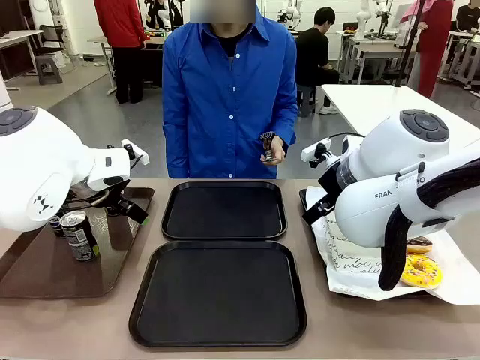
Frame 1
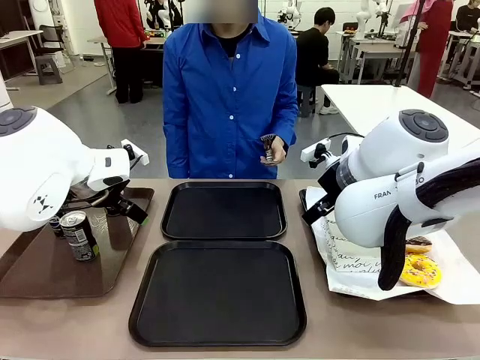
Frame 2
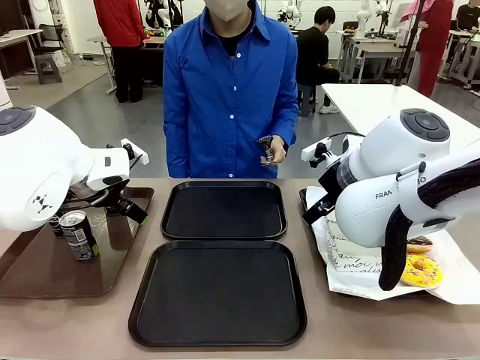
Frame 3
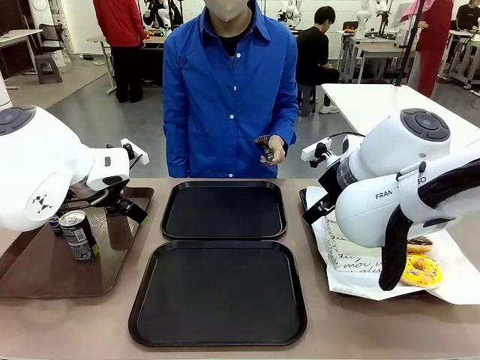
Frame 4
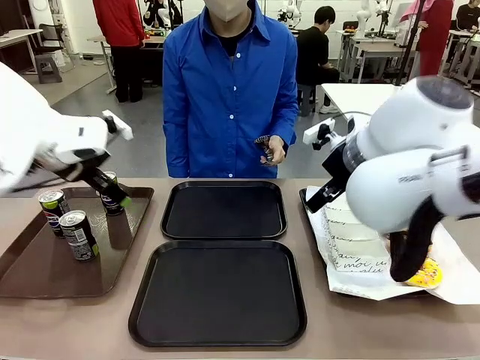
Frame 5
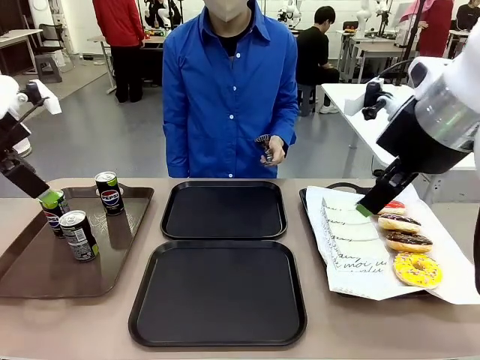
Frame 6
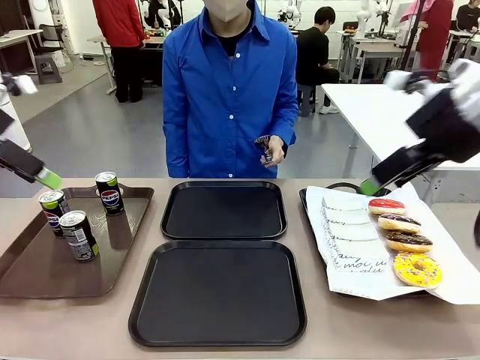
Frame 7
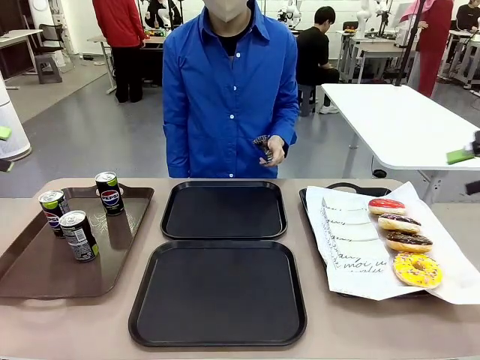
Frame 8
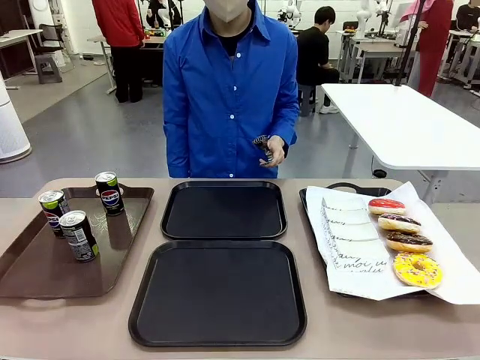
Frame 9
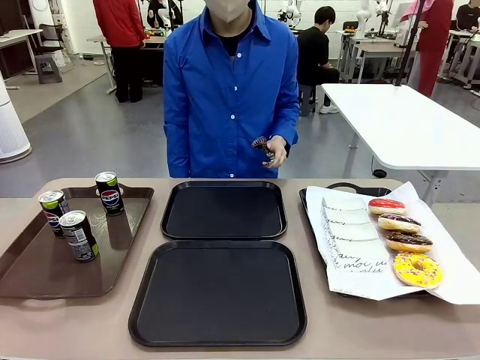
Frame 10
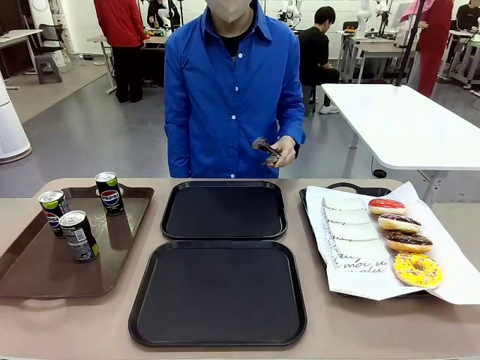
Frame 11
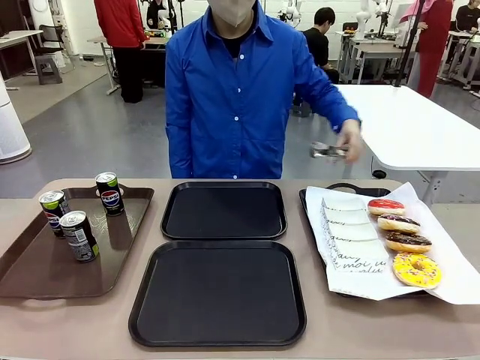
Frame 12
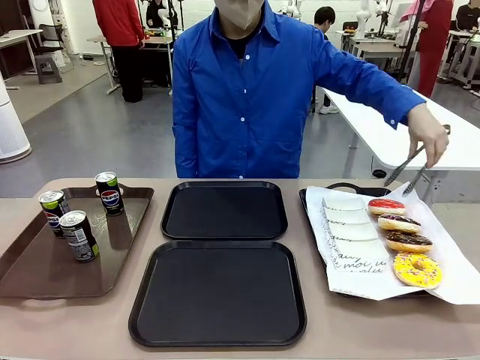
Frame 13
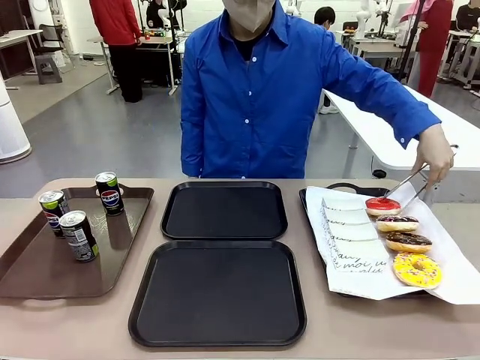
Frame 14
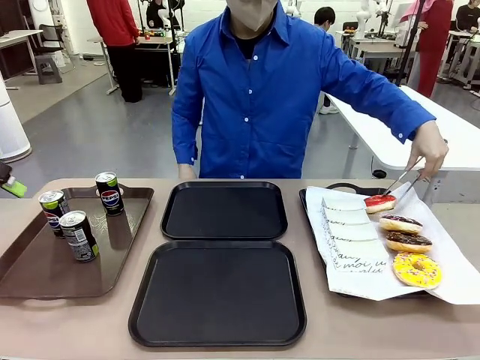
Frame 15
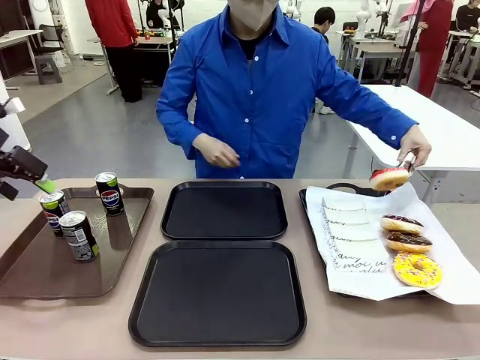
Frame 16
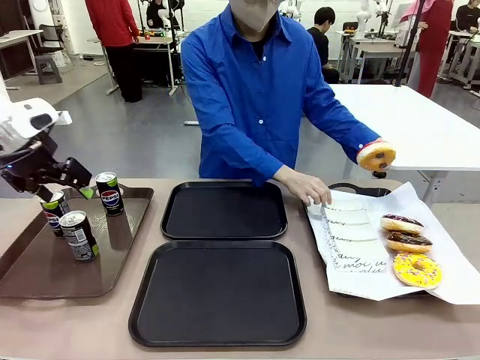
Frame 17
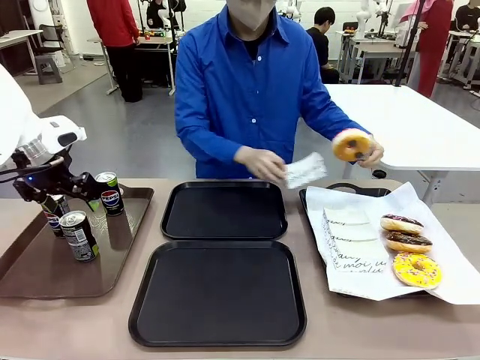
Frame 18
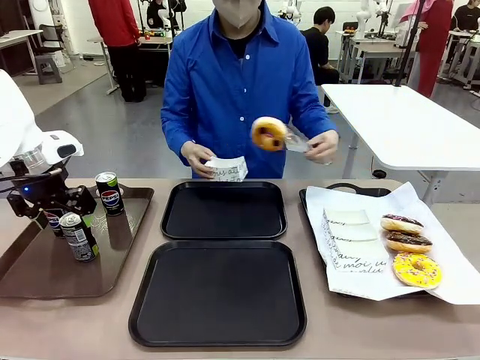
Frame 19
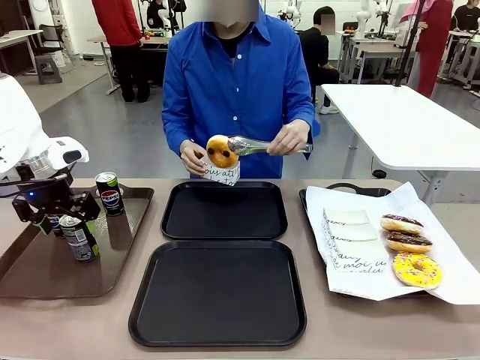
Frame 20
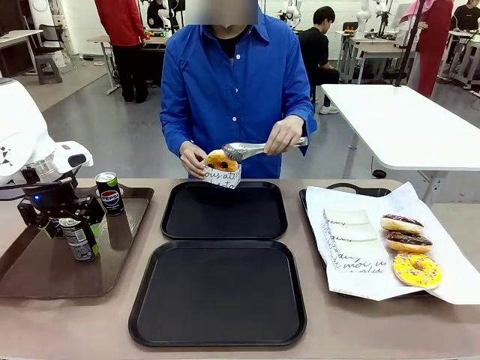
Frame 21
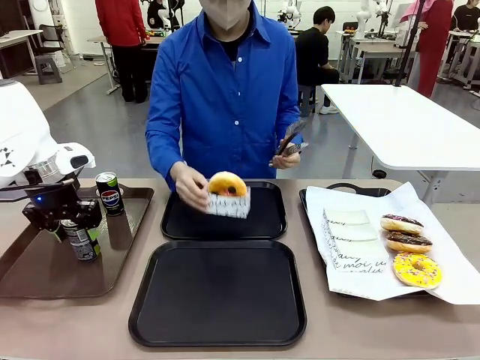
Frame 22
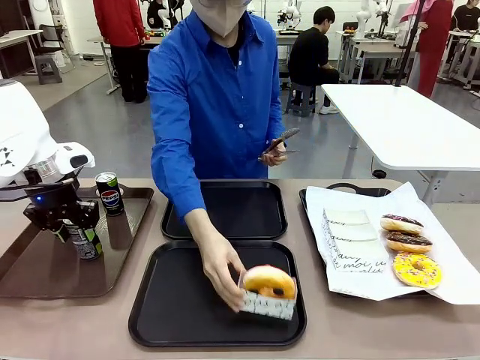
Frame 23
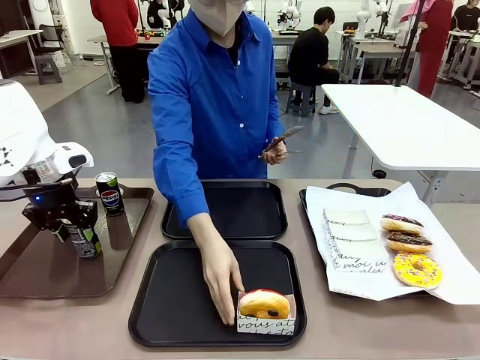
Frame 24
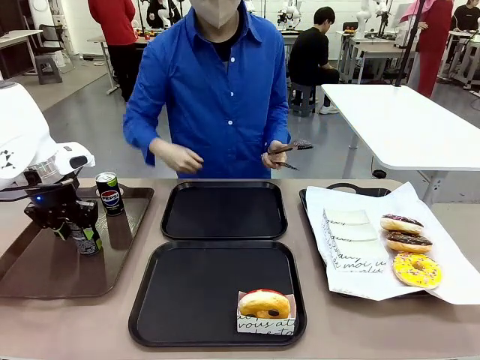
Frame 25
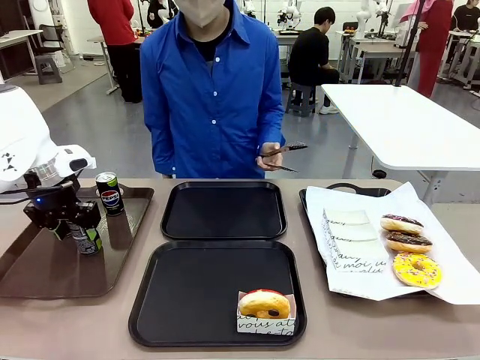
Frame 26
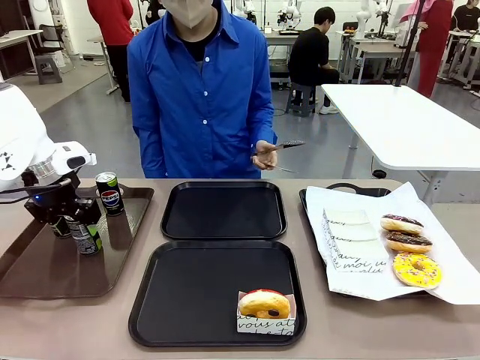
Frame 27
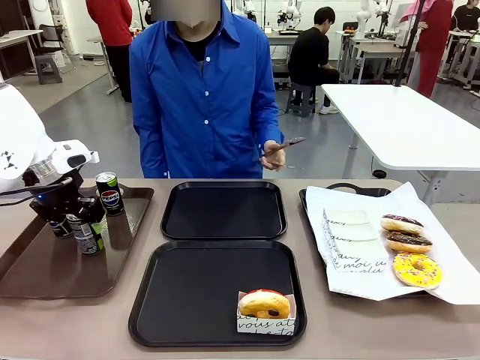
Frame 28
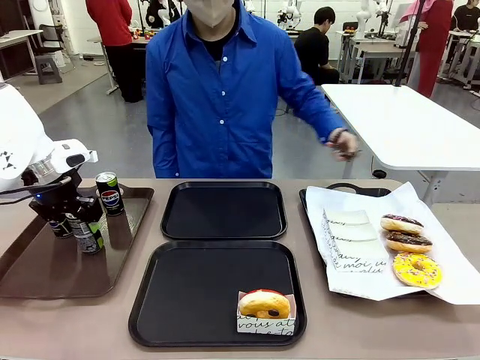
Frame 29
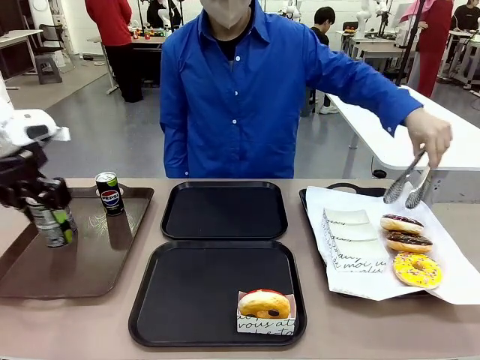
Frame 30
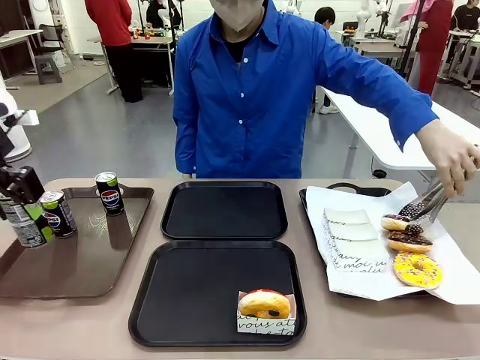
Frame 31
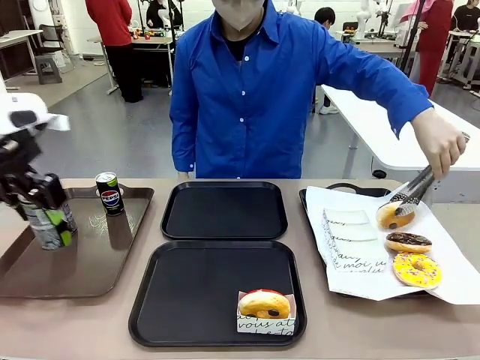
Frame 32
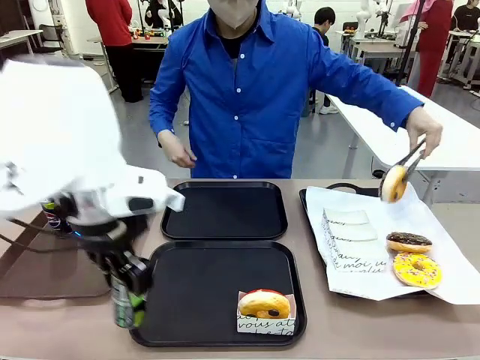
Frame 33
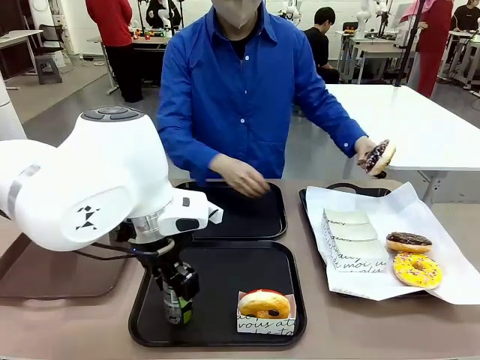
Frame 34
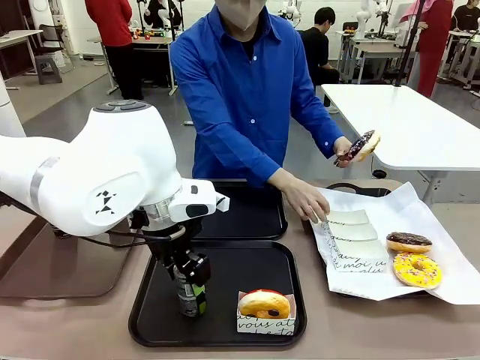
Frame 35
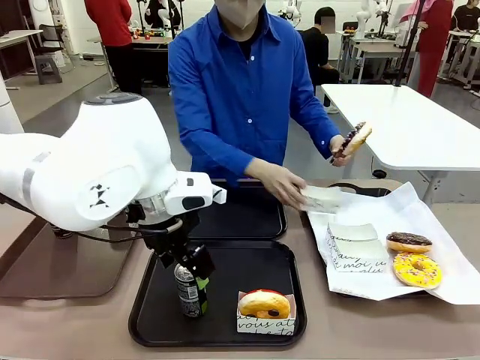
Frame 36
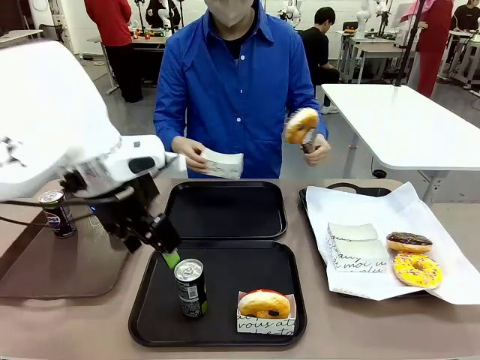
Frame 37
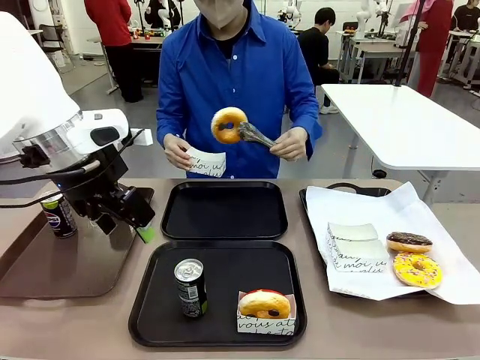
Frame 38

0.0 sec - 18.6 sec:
Task: Set up donuts and drinks on trays.
Robot: Pick up one Pepsi coke and place it on the Flat Tray.
